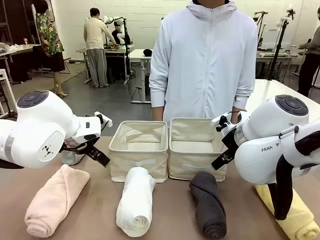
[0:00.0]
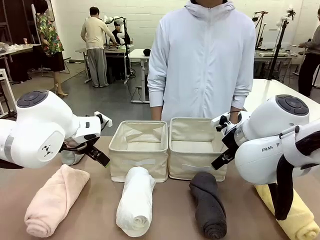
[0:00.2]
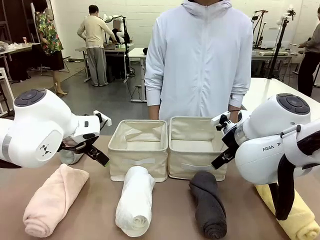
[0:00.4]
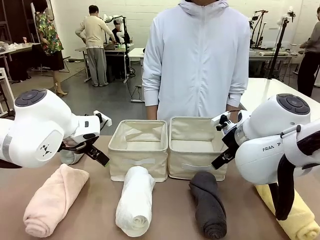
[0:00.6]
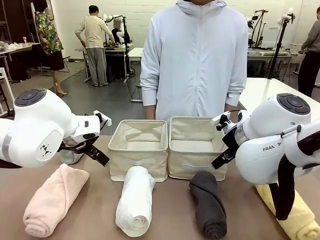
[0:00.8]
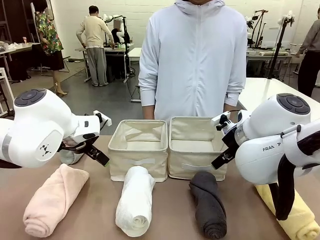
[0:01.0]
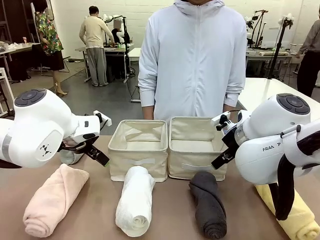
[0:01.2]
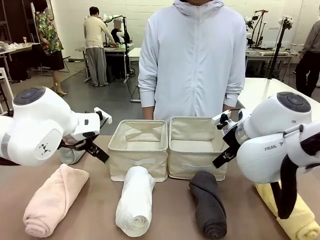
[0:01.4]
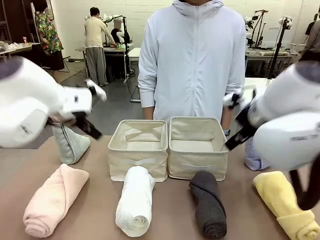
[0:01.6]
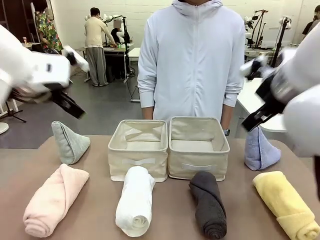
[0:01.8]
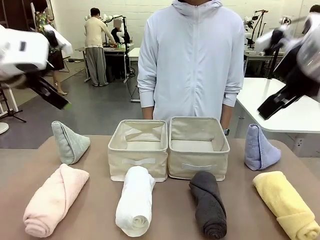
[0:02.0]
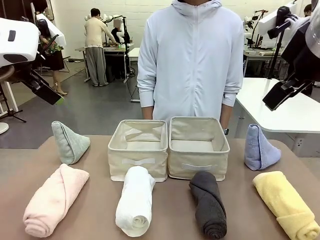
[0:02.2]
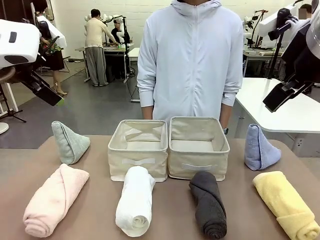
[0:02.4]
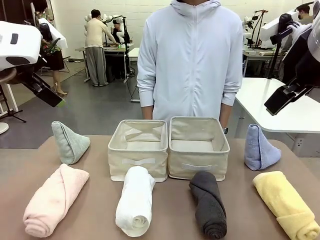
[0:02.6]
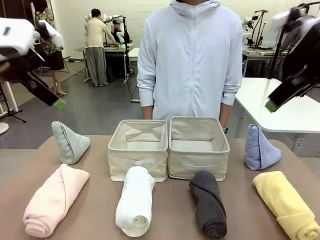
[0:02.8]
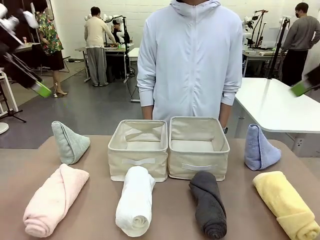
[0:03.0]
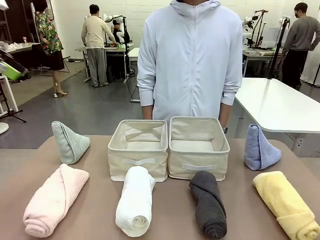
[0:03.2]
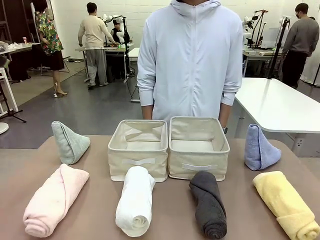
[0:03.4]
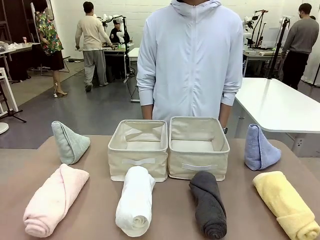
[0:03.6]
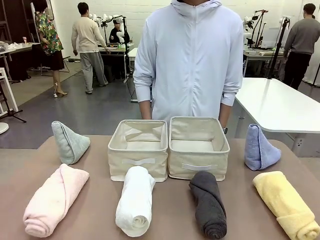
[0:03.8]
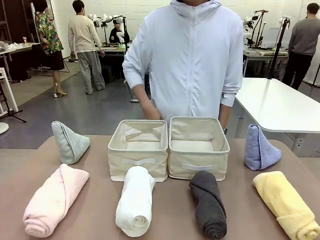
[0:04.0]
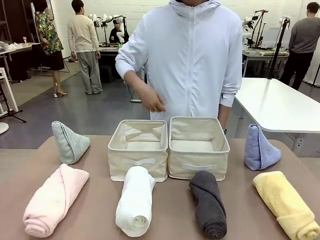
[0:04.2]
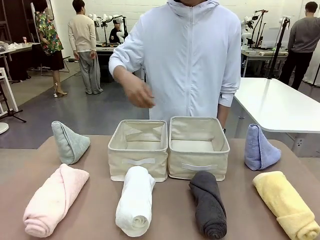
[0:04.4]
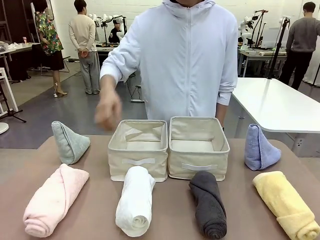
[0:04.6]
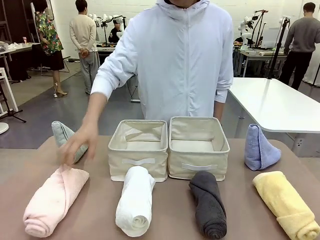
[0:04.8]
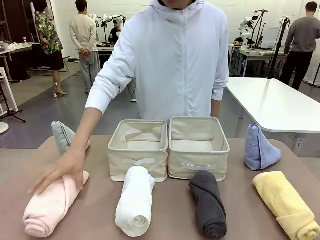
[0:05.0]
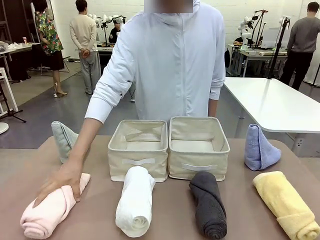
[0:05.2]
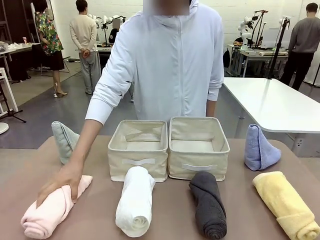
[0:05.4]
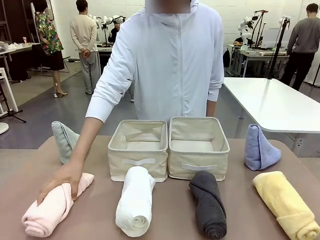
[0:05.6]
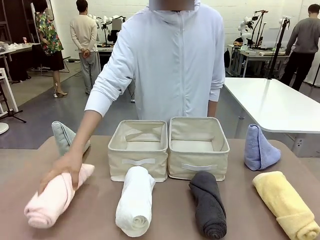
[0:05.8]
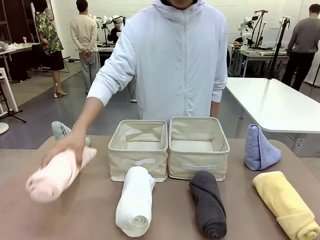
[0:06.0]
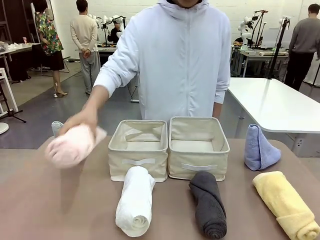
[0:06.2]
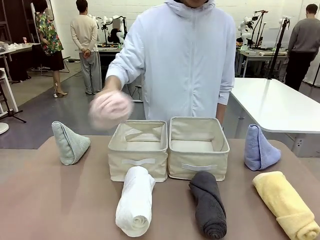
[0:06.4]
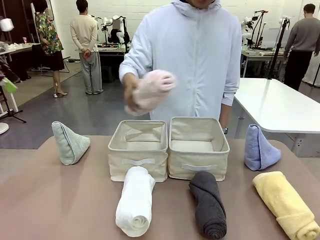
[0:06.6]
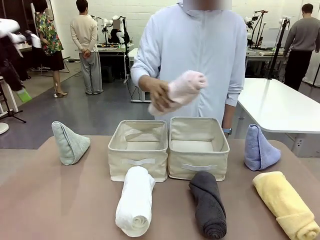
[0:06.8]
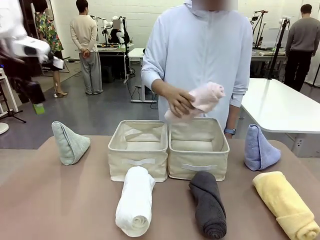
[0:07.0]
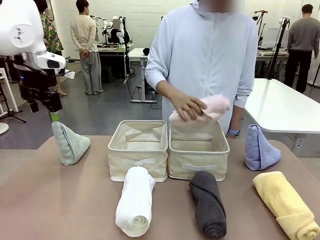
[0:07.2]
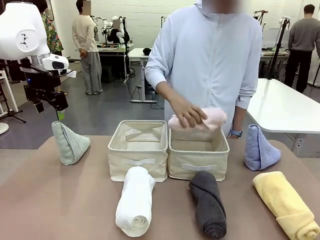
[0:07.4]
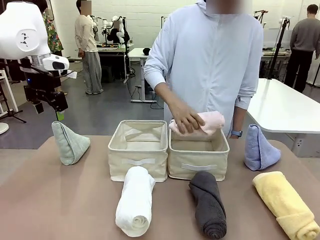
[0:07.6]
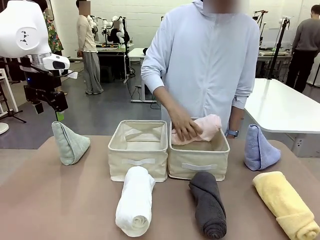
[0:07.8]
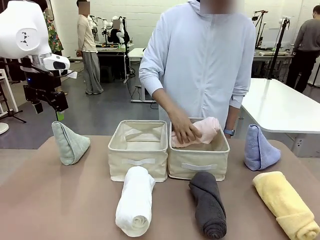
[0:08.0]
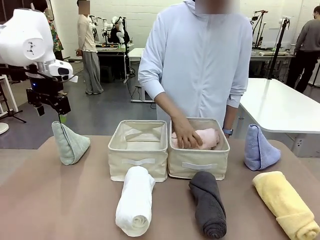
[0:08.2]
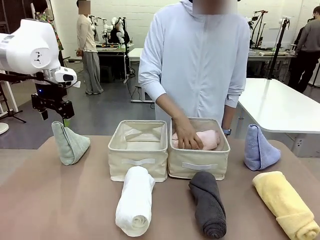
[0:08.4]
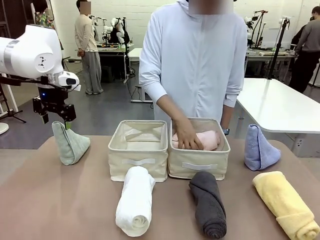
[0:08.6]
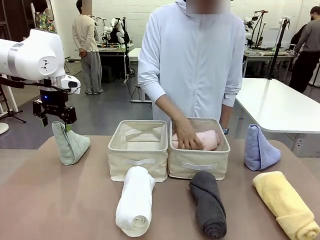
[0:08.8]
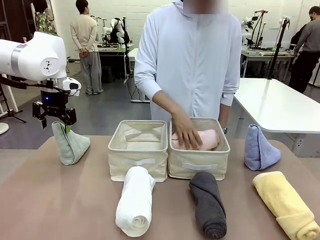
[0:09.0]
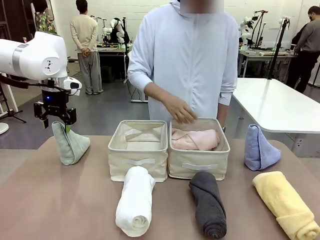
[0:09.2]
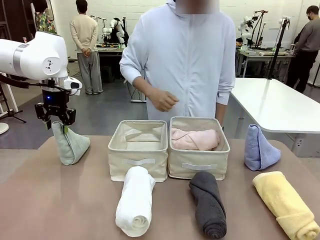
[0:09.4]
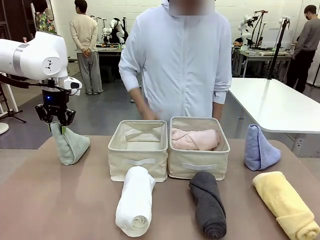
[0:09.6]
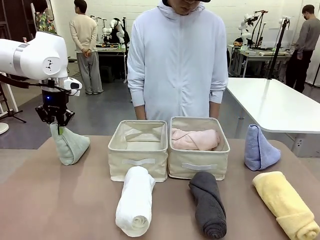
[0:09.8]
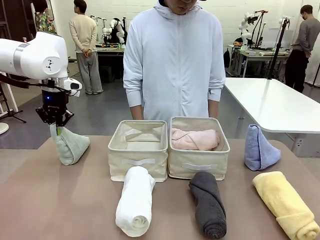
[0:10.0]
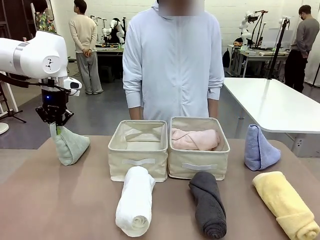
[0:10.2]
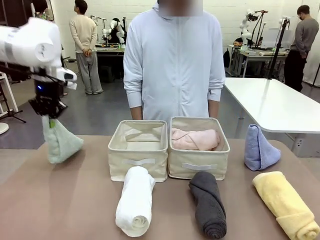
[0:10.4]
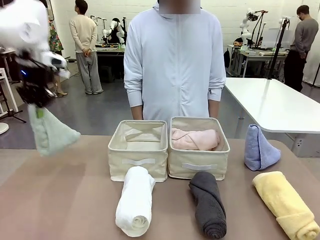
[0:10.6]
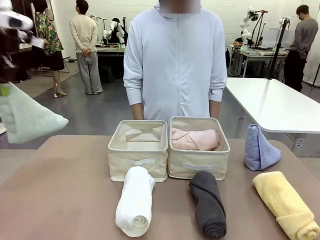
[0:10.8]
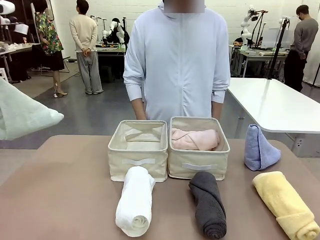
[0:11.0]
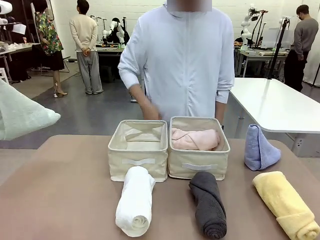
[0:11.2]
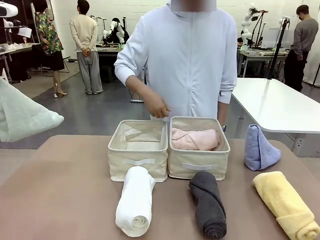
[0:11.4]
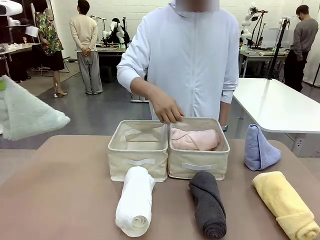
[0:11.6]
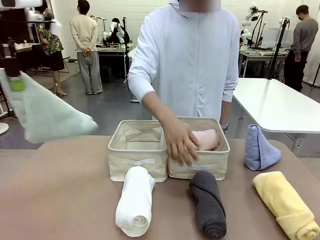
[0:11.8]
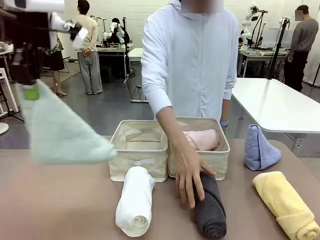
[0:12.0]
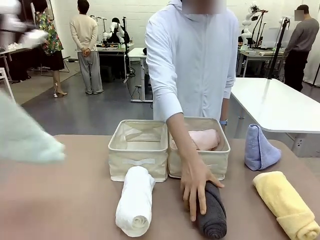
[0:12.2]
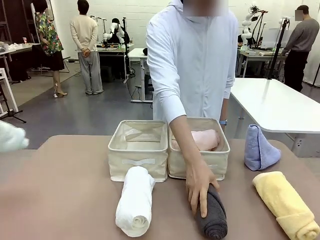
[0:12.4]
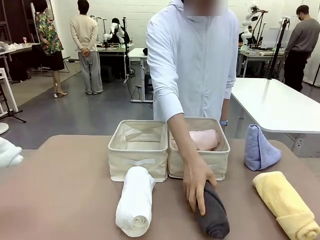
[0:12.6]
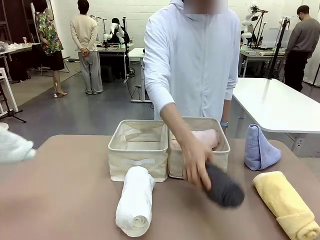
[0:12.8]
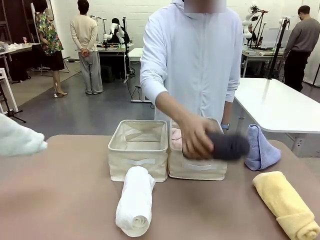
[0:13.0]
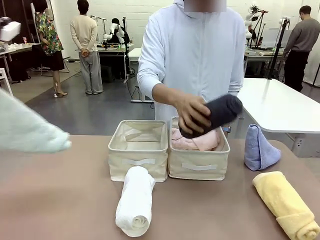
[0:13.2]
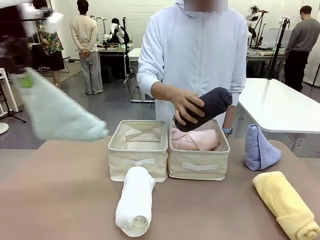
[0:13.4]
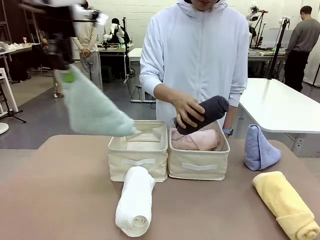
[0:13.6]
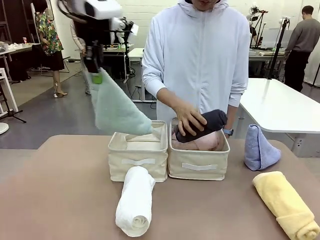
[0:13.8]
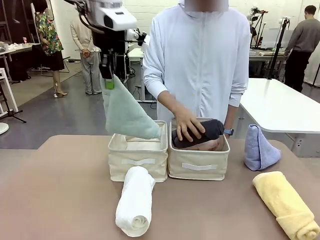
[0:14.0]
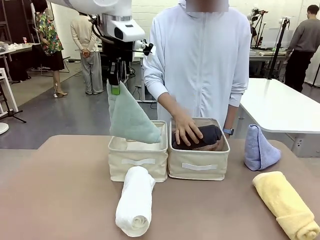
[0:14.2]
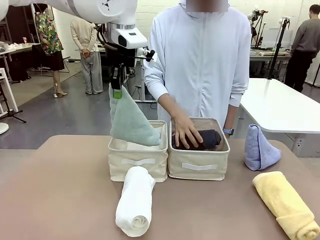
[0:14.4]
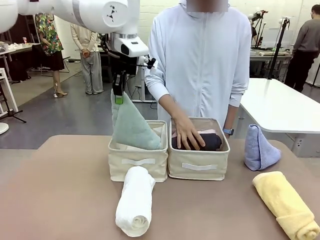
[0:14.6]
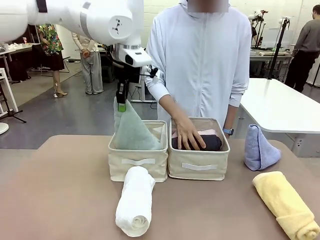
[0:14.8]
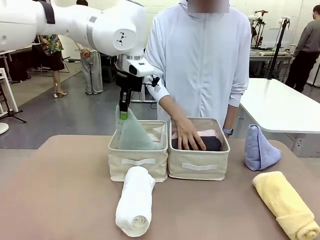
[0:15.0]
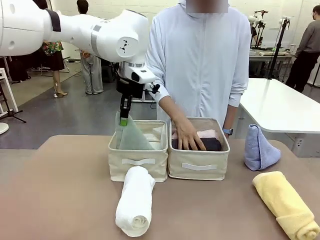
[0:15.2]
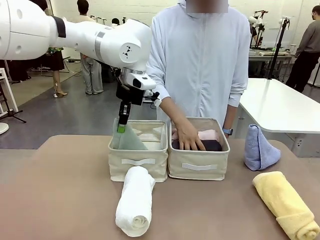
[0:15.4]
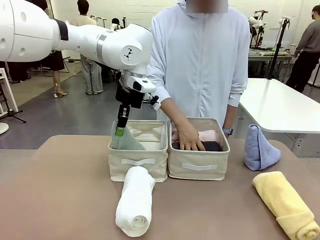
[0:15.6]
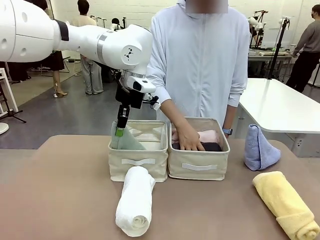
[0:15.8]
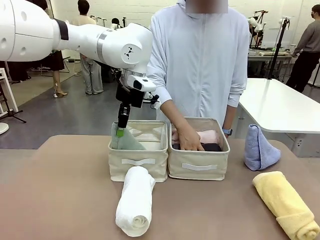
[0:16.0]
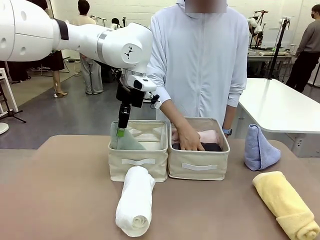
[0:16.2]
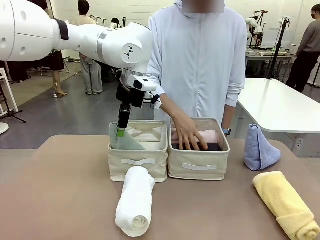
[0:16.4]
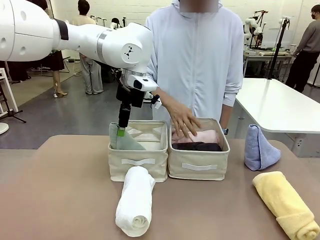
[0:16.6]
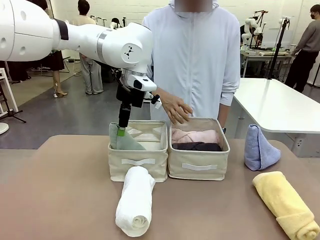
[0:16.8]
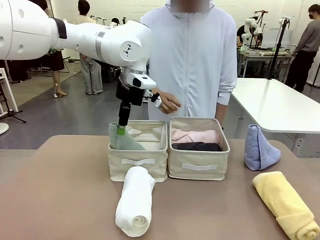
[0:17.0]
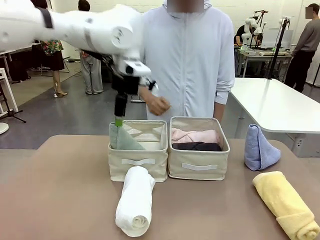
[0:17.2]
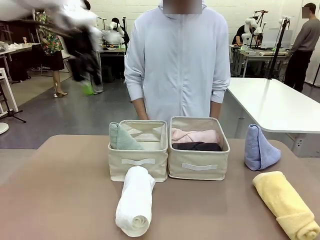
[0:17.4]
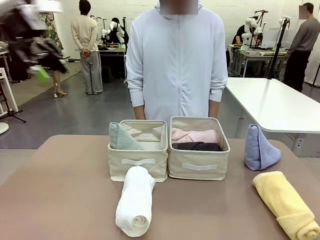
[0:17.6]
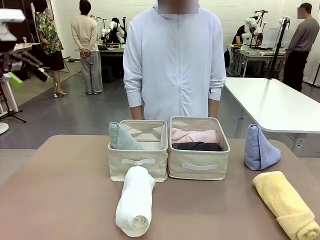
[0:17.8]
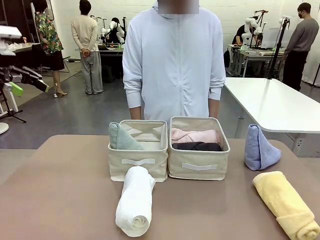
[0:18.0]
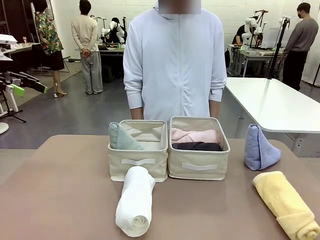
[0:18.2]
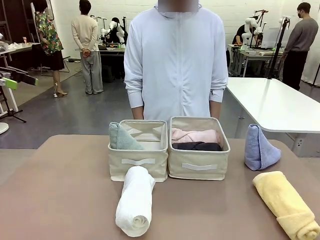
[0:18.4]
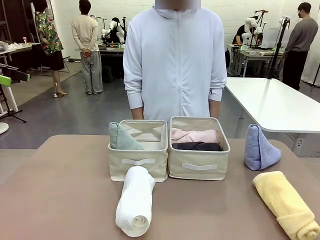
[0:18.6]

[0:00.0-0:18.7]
Task: Sort the towels based on their folding style.
Robot: Pick up one triangle-folded towel and place it in the left Fabric basket.
Person: Pick up one hotel-style rolled towel and place it in the left fabric basket.
